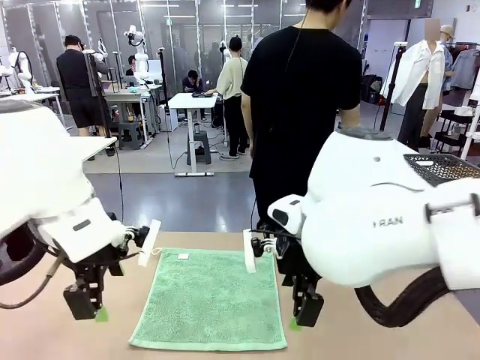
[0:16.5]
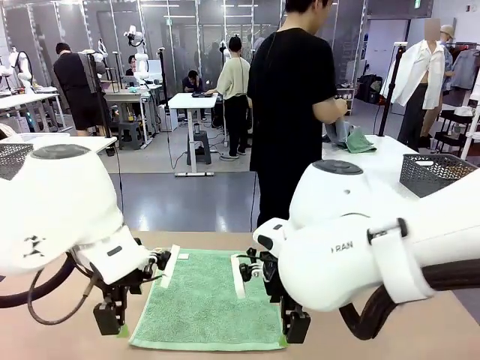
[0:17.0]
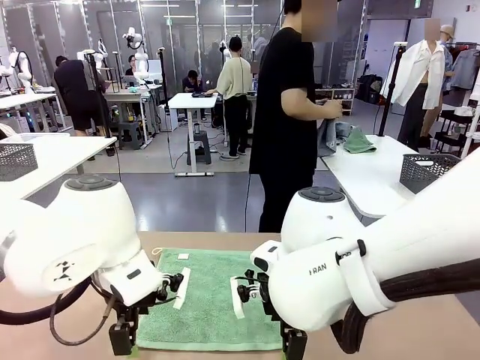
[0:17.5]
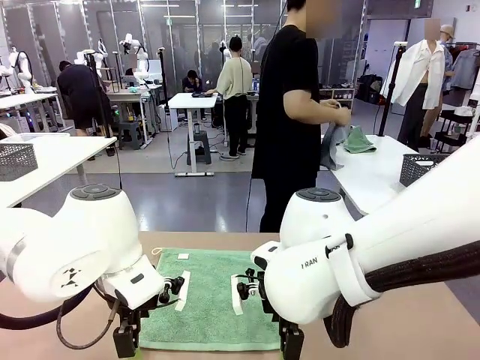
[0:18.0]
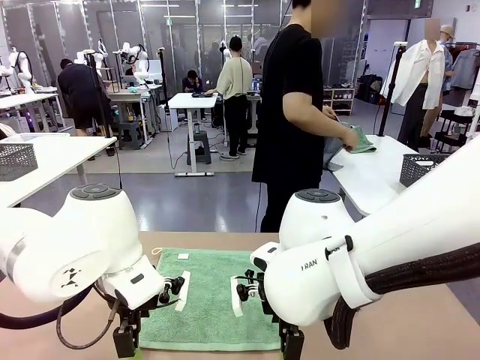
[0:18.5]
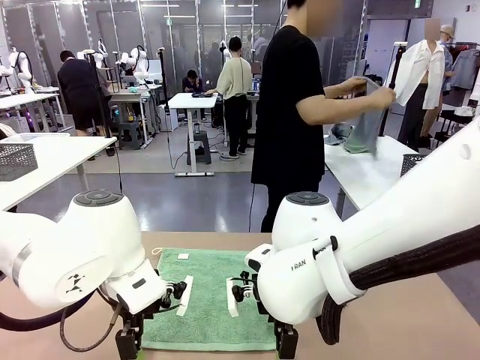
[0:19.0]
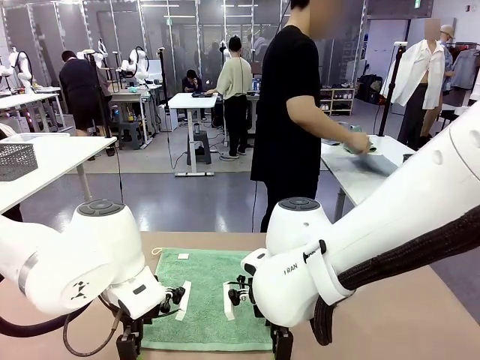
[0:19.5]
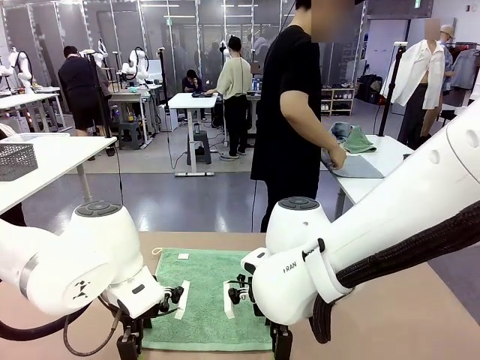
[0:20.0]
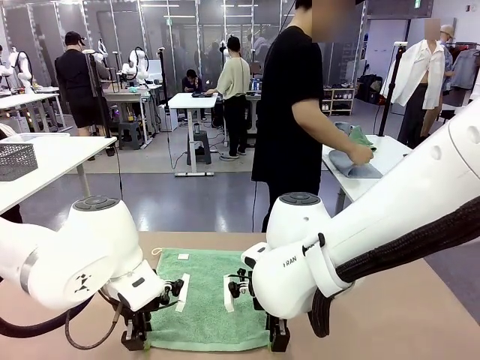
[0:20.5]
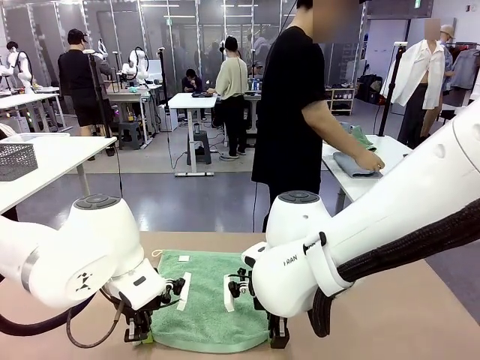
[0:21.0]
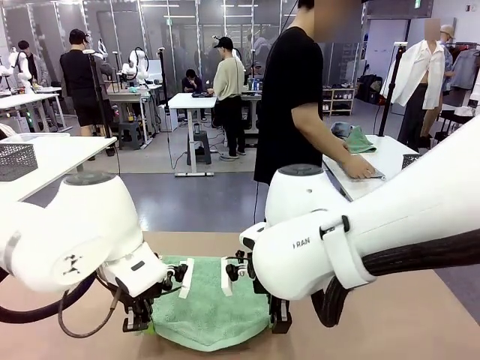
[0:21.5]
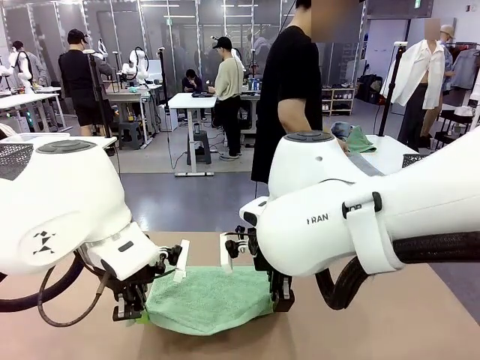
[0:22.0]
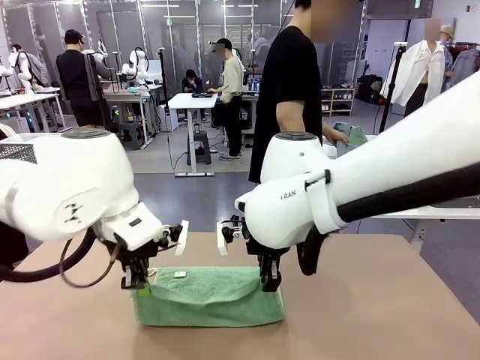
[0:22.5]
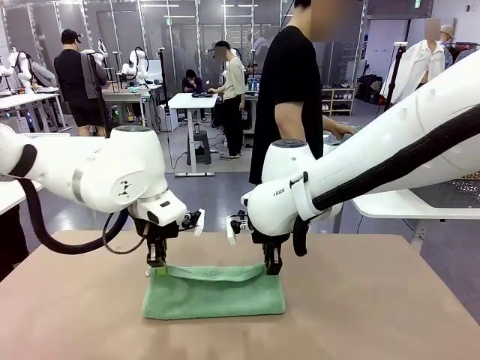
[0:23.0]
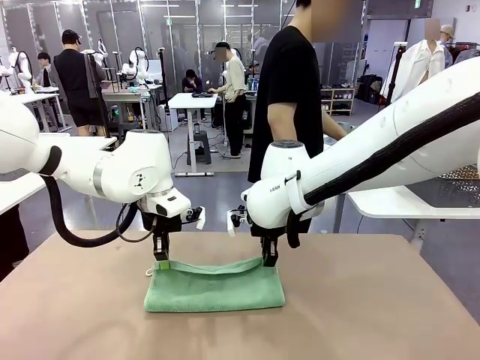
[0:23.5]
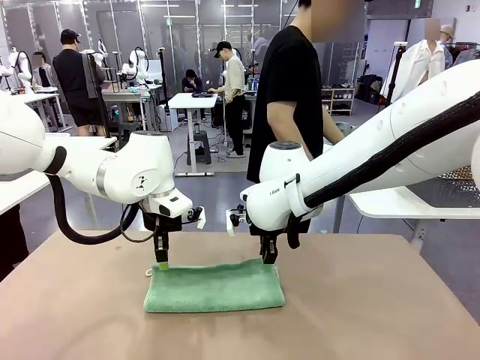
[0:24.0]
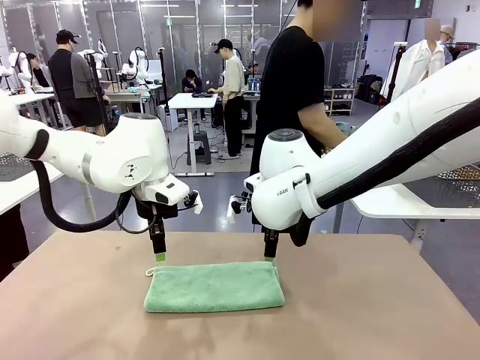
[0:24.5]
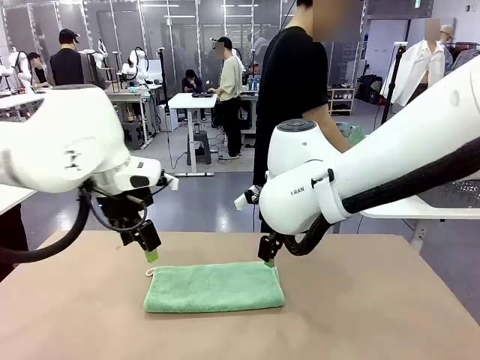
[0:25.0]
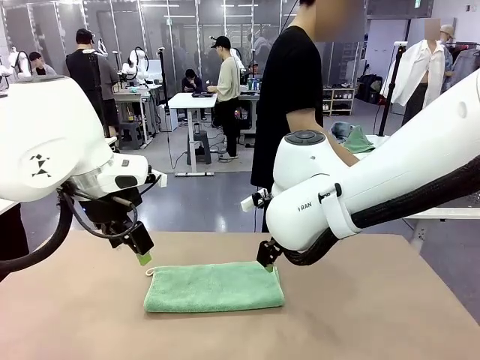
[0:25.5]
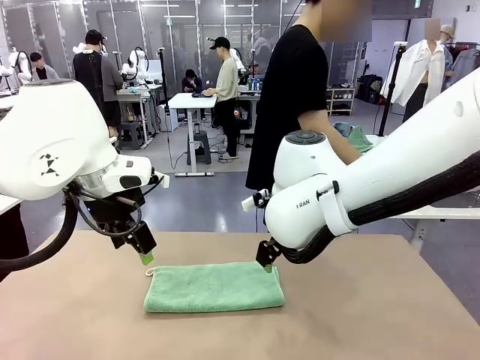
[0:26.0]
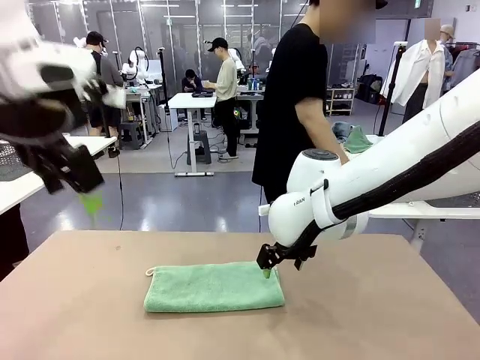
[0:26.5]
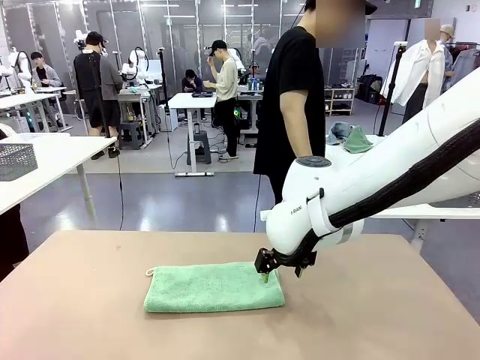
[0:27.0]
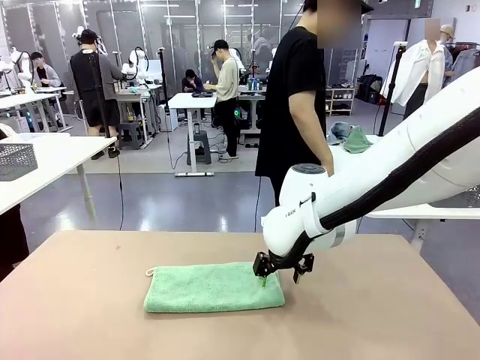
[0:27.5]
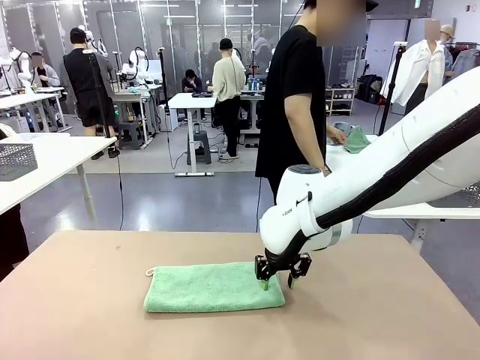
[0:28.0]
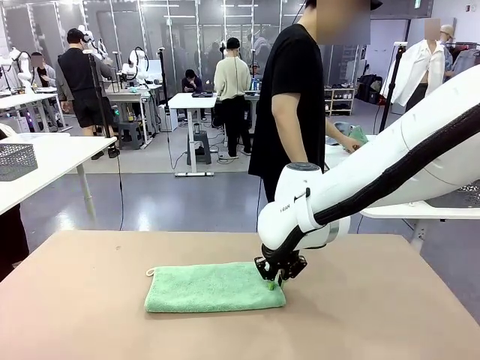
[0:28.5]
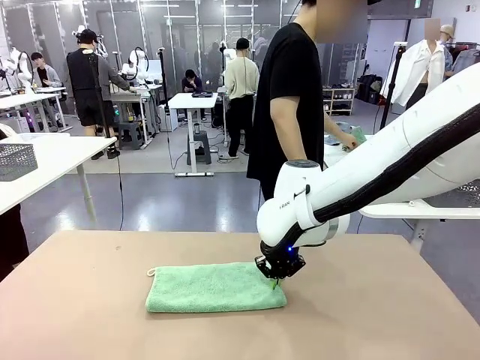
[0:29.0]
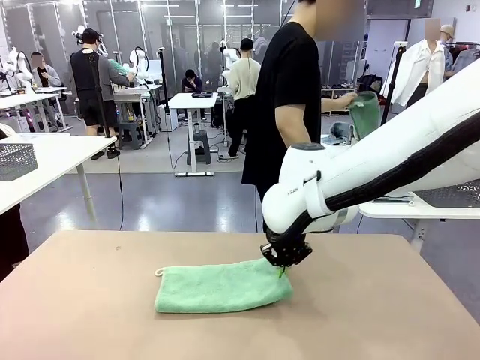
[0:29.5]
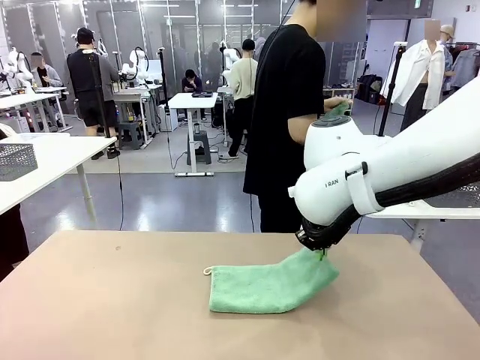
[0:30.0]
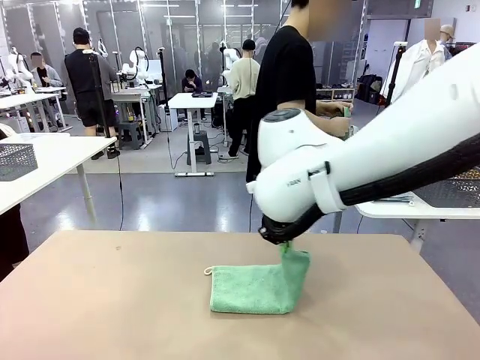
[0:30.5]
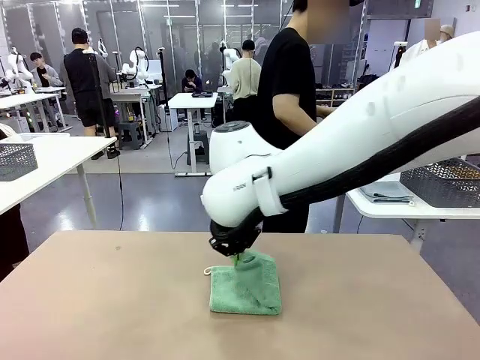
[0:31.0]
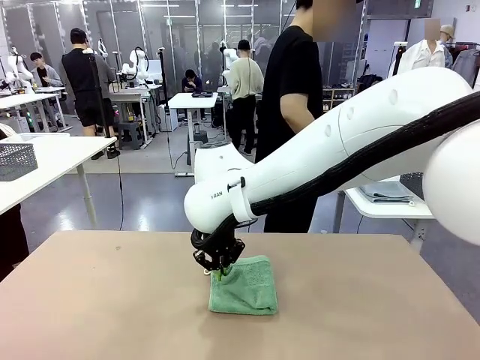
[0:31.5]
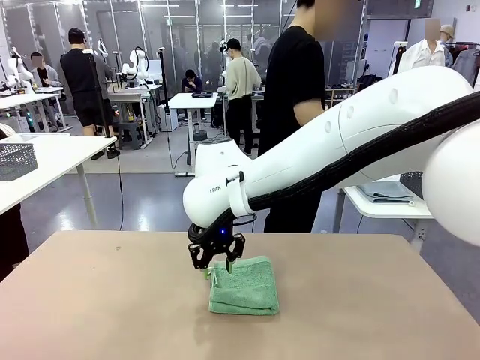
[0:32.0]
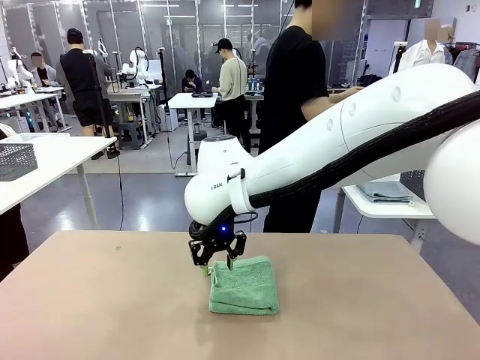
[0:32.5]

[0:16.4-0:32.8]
Task: Fold the towels and place them in the basket.
Robot: When a person lays out a Towel with hook on the table, fold it in half twice.
Person: Pick up one towel from the left side of the human table, fold it in half twice, and place it on the right side of the table.

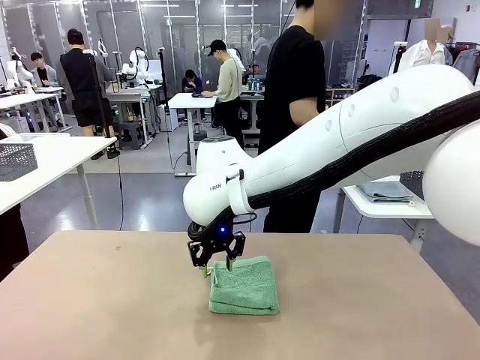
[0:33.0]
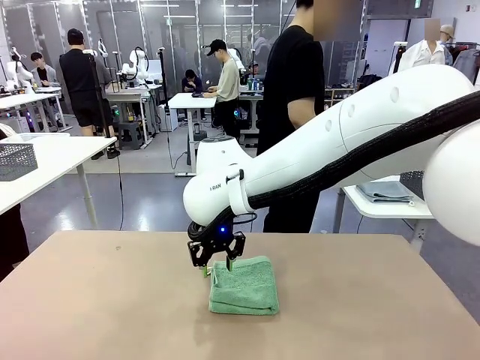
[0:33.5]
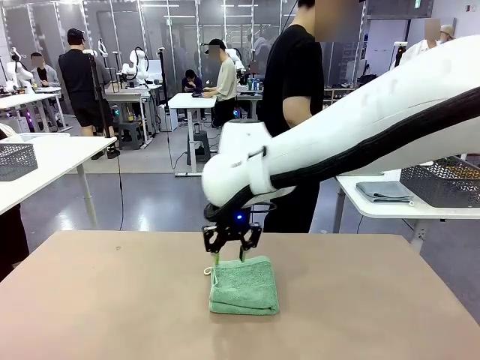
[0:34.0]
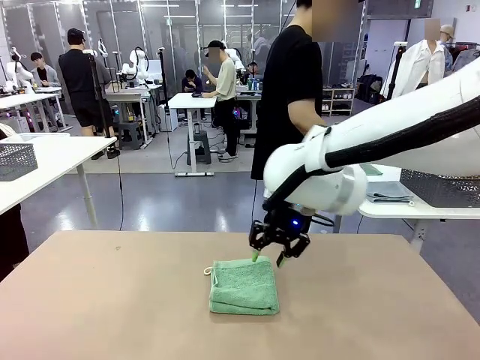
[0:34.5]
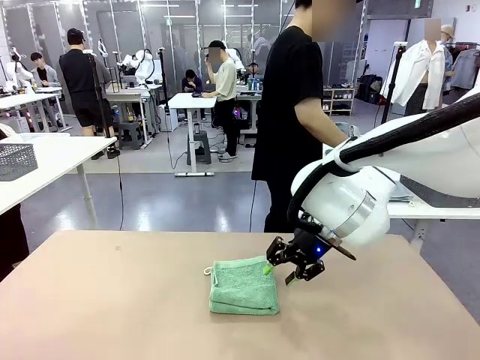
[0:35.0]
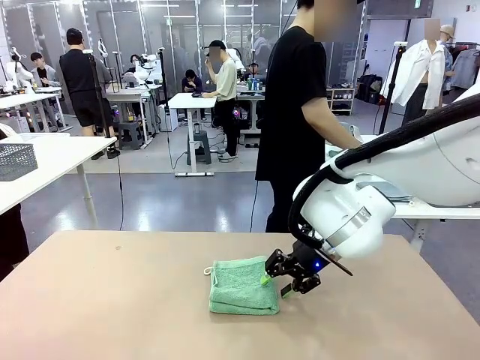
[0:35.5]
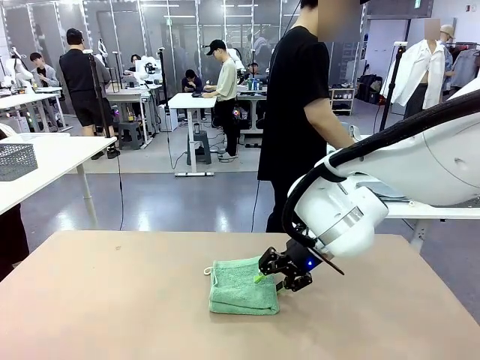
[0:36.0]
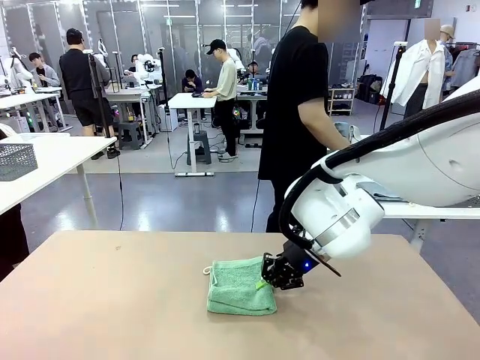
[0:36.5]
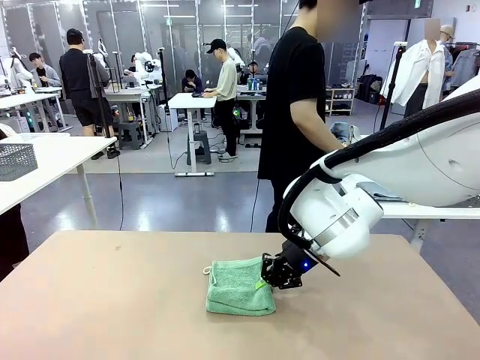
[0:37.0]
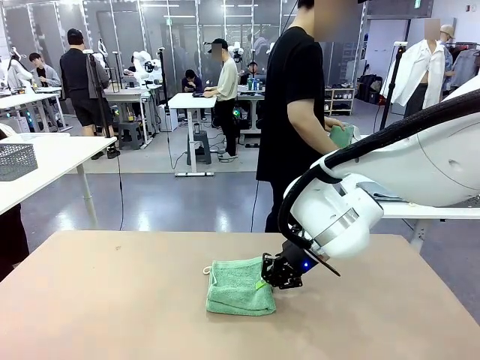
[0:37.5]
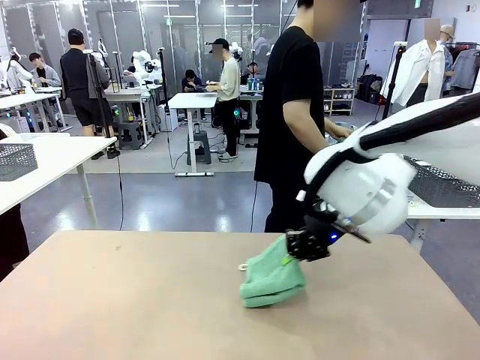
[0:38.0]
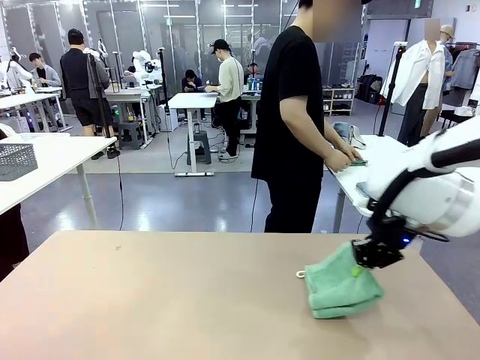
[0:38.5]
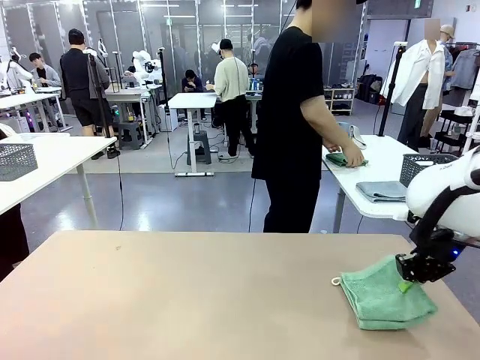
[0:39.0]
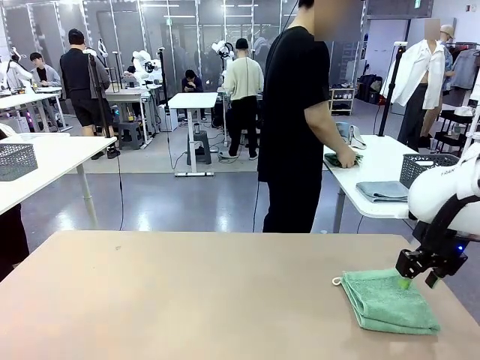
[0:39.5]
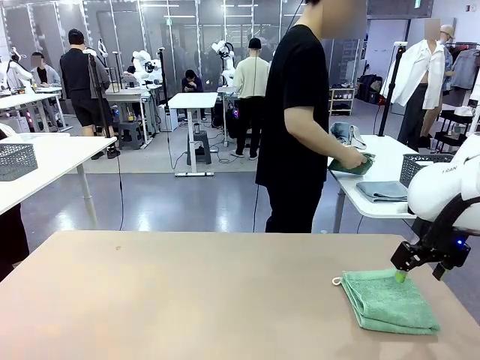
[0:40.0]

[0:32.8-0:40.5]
Robot: Place the folded Towel with hook on the right side of the table.
Person: Pick up one towel from the left side of the human table, fold it in half twice, and stack it on the right side of the table.

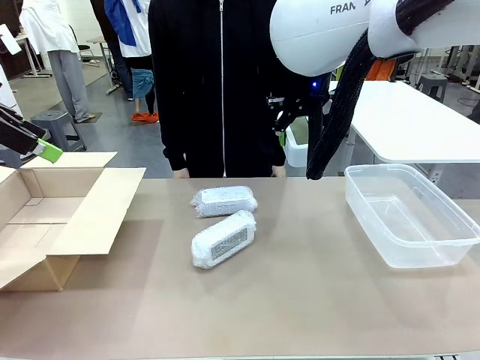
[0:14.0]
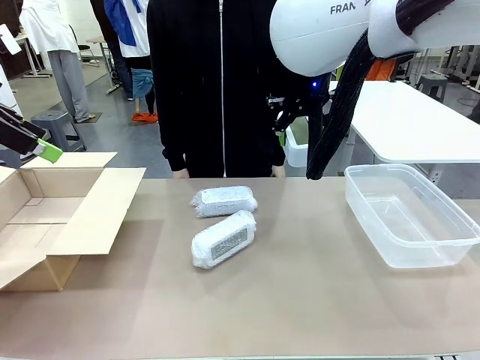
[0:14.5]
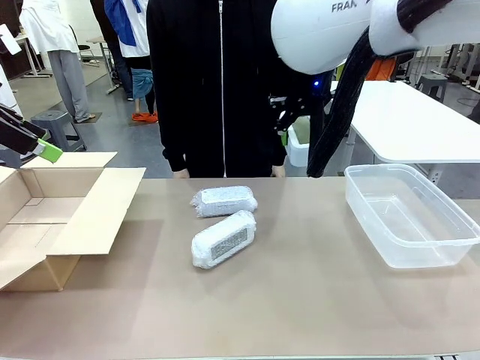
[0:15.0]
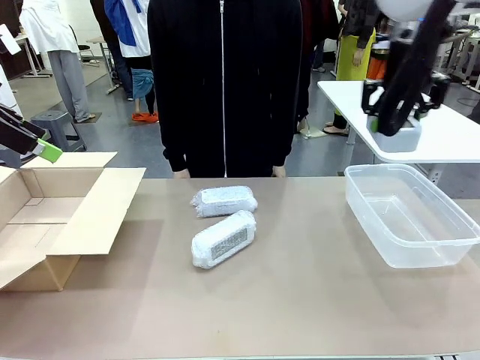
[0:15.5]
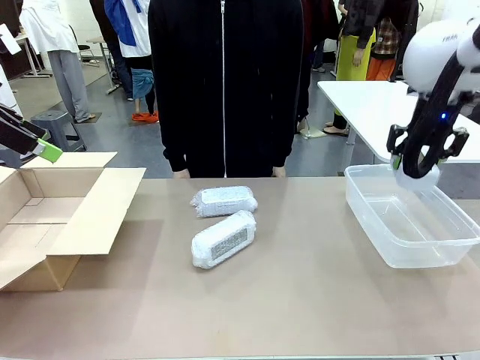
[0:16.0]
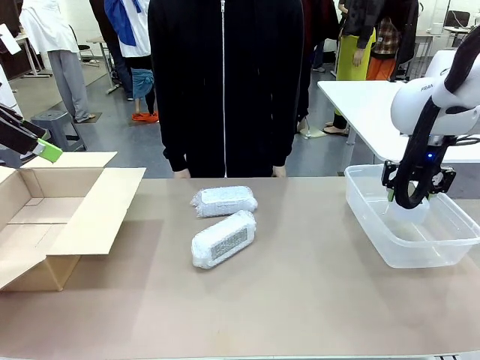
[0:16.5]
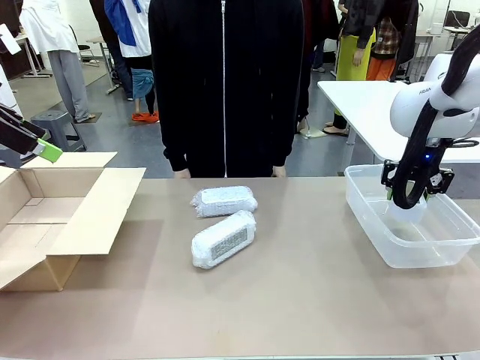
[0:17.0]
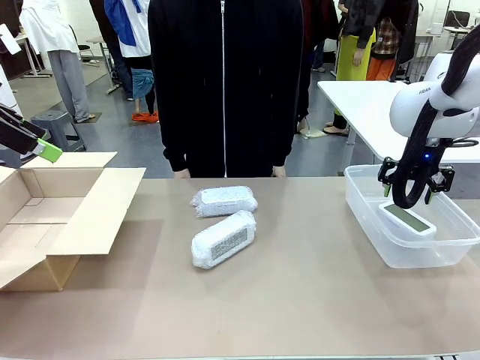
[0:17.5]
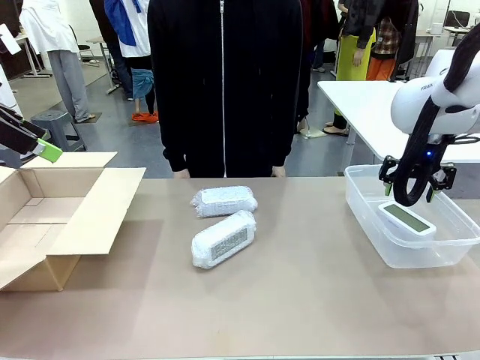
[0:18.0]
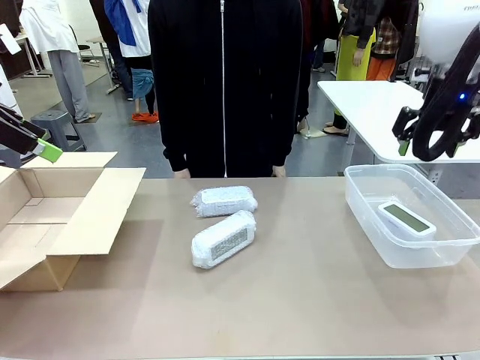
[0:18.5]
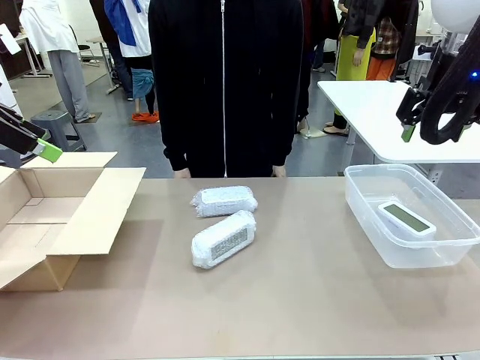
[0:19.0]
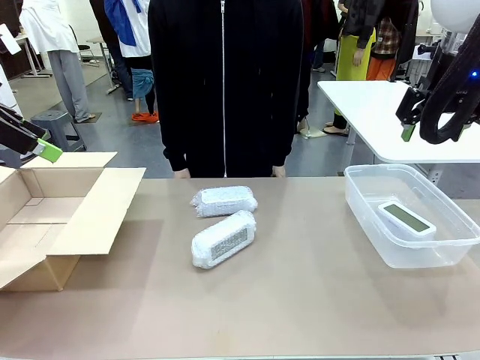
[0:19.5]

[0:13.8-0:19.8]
Task: Separate and place wrapped and unwrapped clocks.
Robot: If the picked Digital clock is wrapped, place it in the Package Box ; if not, place it in the Organizing box.
